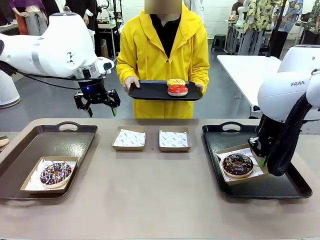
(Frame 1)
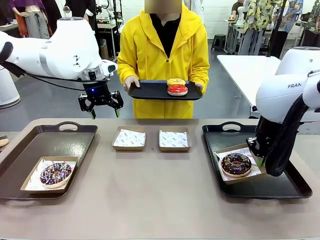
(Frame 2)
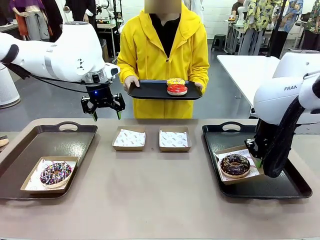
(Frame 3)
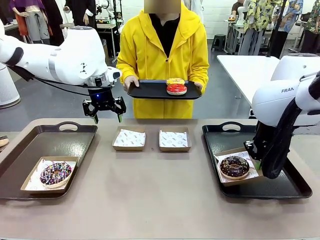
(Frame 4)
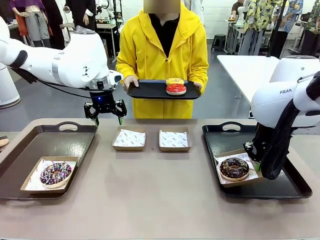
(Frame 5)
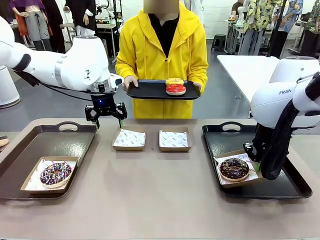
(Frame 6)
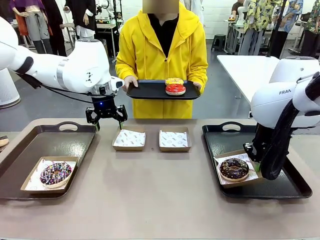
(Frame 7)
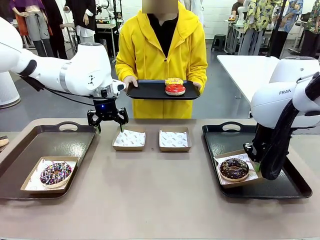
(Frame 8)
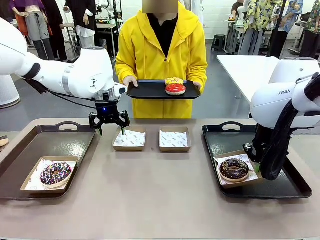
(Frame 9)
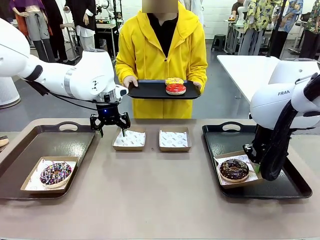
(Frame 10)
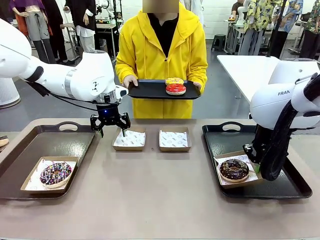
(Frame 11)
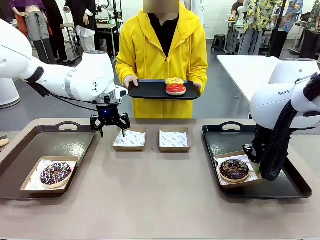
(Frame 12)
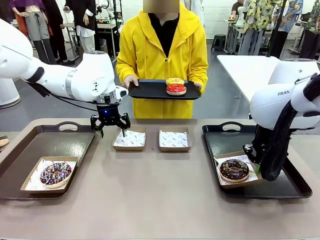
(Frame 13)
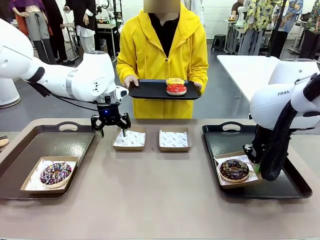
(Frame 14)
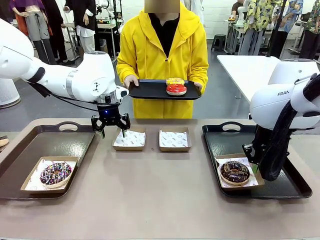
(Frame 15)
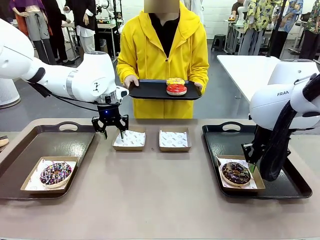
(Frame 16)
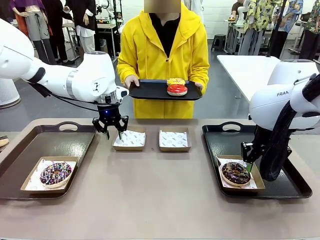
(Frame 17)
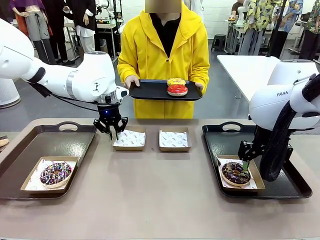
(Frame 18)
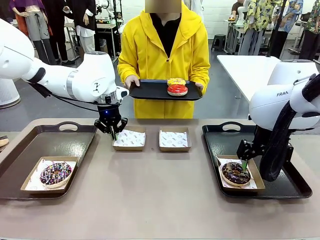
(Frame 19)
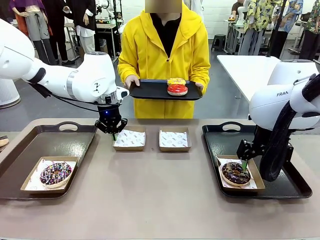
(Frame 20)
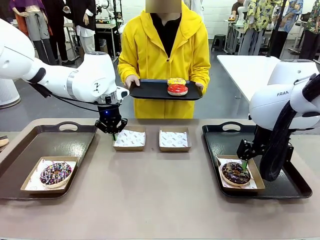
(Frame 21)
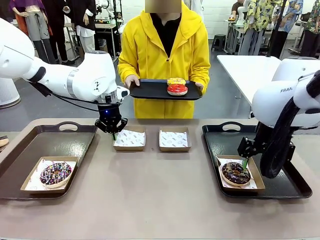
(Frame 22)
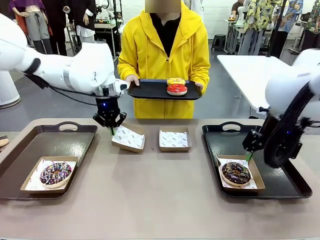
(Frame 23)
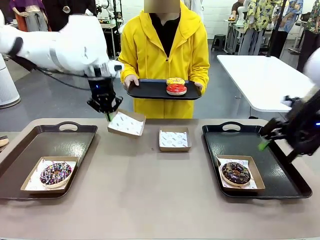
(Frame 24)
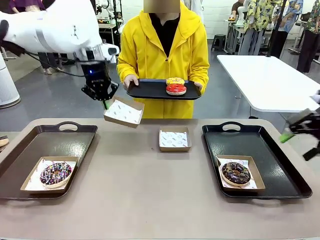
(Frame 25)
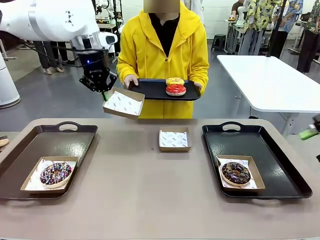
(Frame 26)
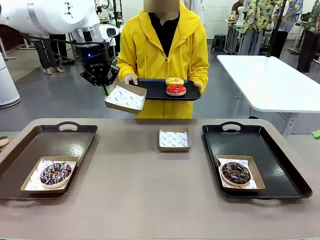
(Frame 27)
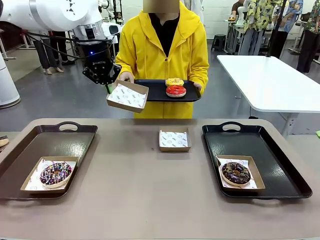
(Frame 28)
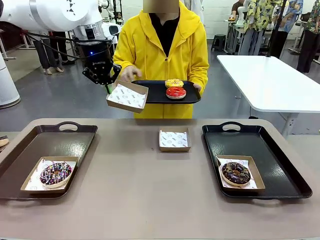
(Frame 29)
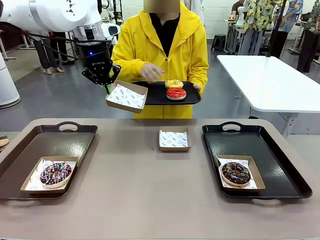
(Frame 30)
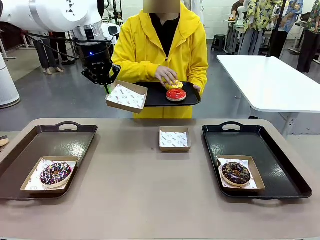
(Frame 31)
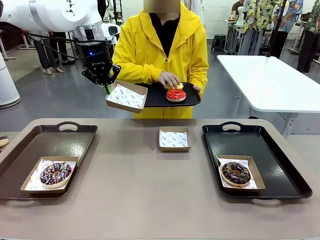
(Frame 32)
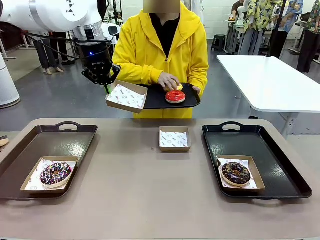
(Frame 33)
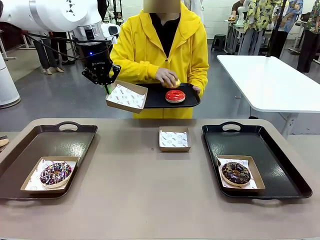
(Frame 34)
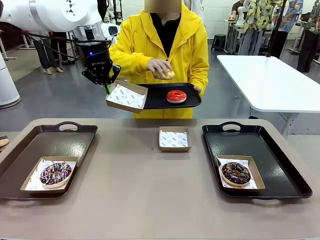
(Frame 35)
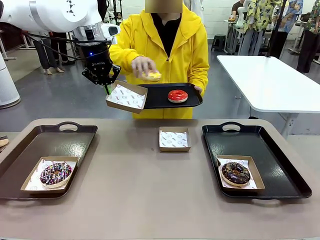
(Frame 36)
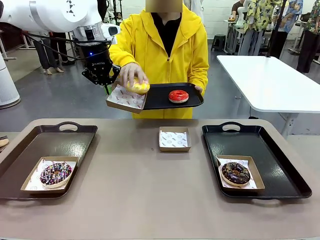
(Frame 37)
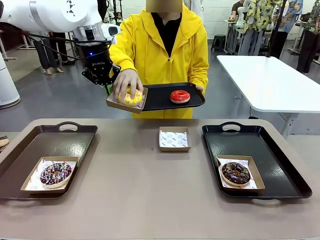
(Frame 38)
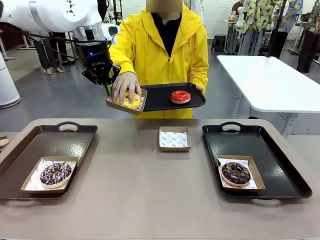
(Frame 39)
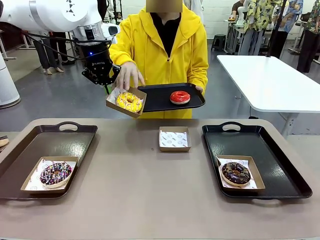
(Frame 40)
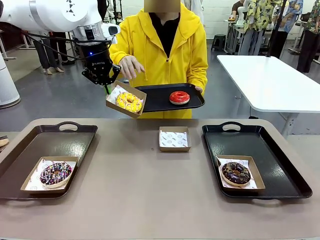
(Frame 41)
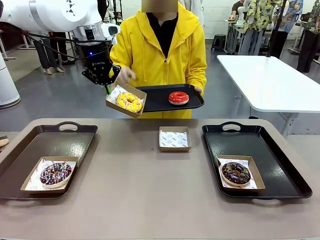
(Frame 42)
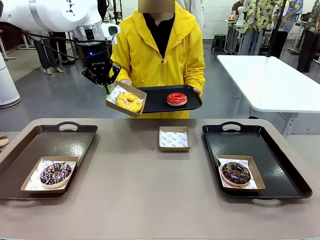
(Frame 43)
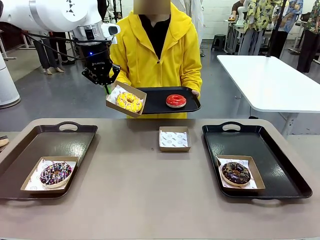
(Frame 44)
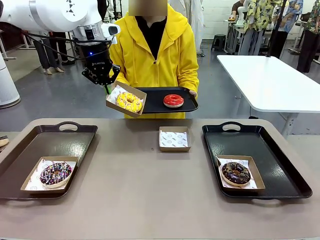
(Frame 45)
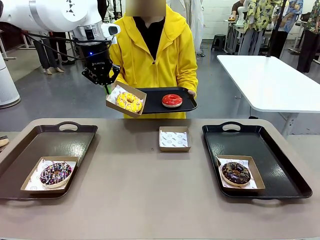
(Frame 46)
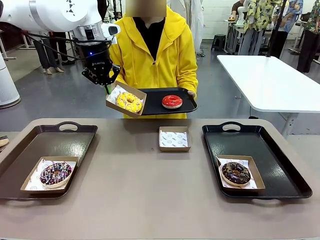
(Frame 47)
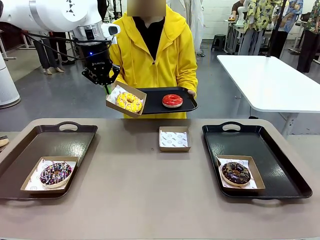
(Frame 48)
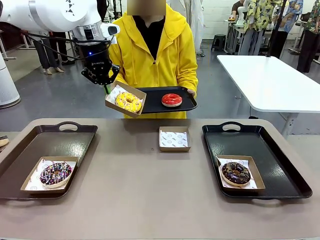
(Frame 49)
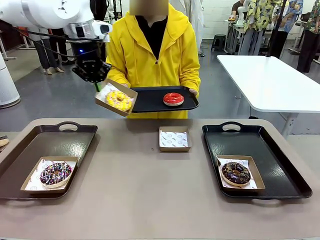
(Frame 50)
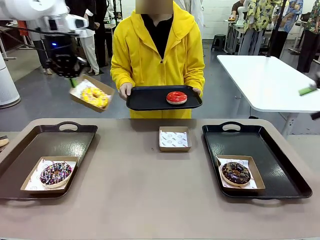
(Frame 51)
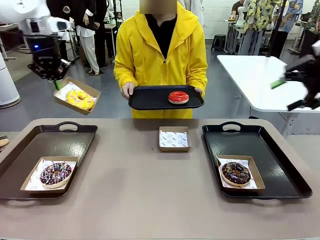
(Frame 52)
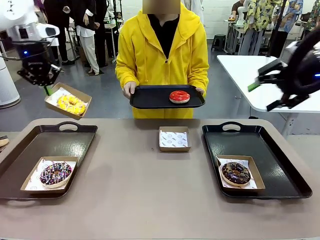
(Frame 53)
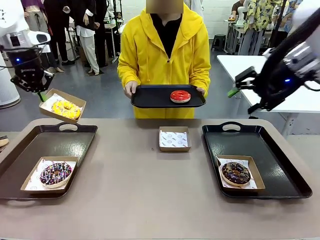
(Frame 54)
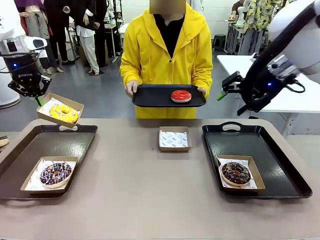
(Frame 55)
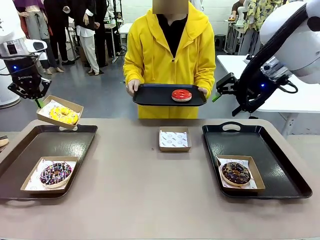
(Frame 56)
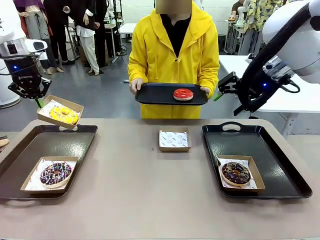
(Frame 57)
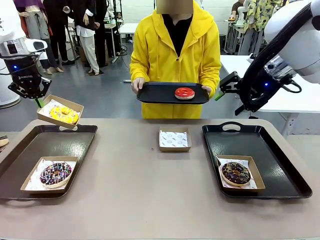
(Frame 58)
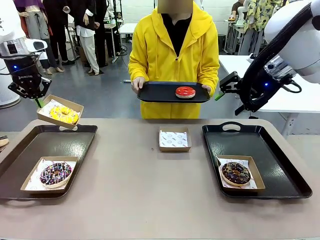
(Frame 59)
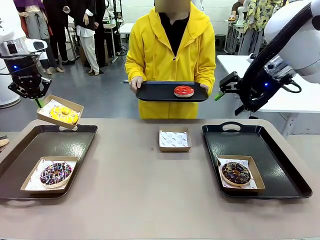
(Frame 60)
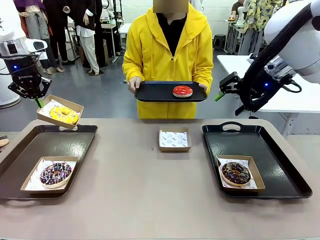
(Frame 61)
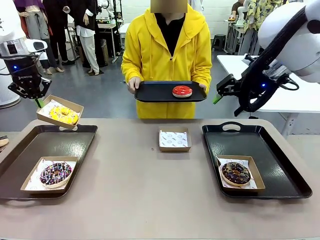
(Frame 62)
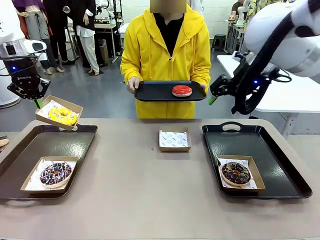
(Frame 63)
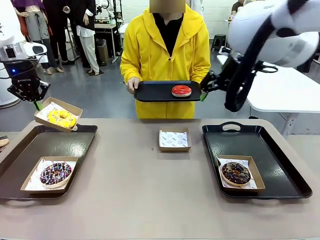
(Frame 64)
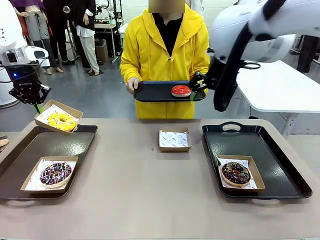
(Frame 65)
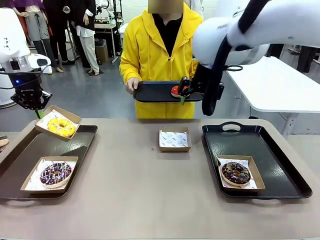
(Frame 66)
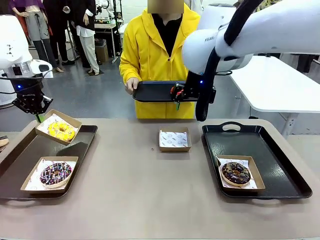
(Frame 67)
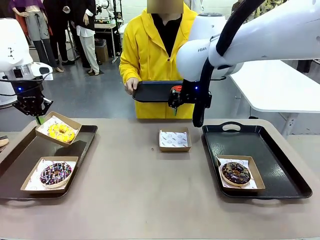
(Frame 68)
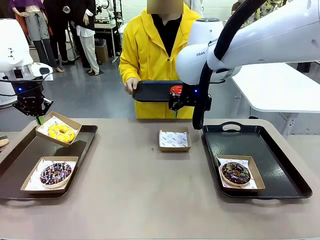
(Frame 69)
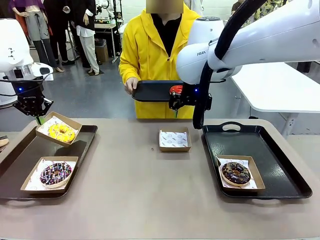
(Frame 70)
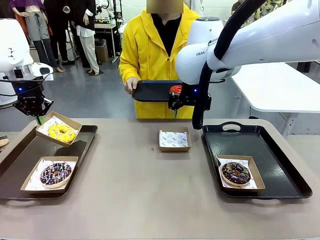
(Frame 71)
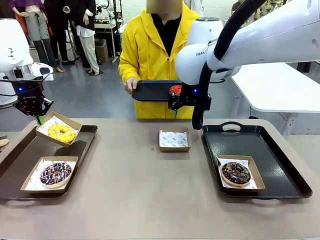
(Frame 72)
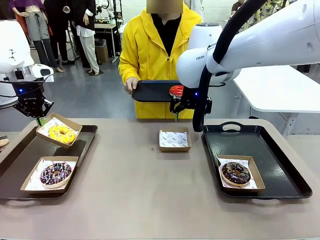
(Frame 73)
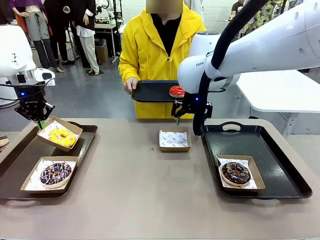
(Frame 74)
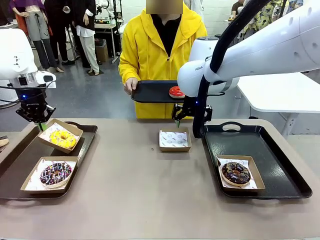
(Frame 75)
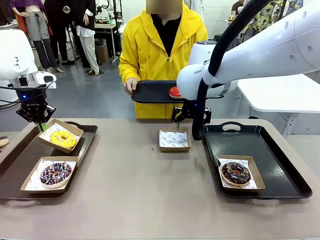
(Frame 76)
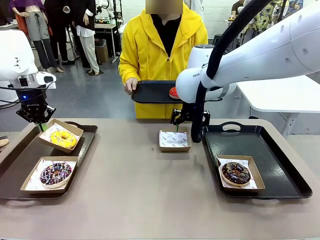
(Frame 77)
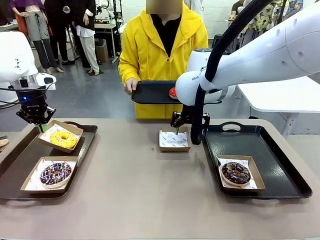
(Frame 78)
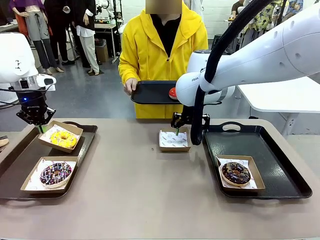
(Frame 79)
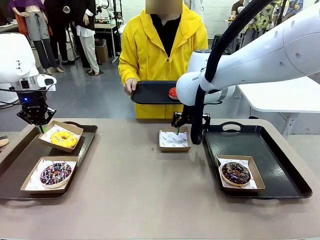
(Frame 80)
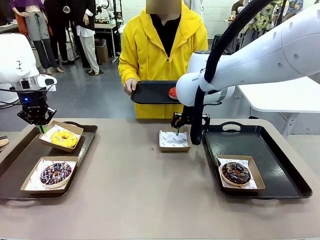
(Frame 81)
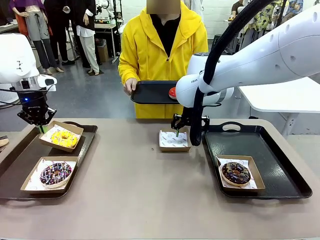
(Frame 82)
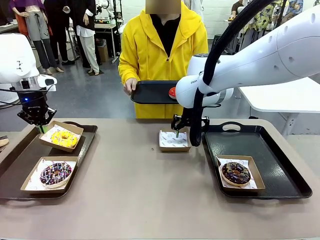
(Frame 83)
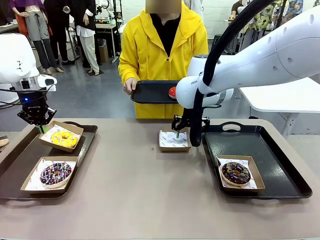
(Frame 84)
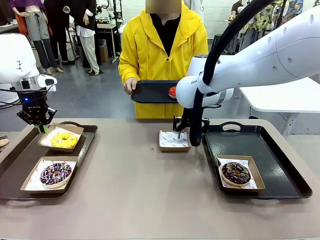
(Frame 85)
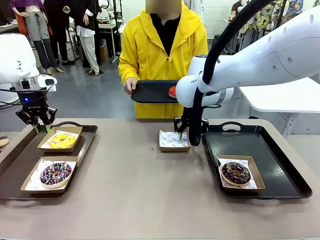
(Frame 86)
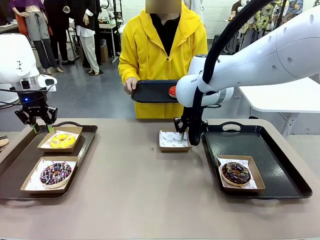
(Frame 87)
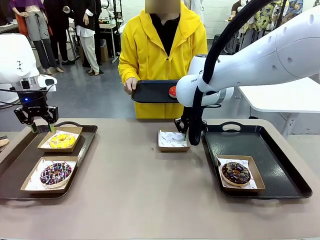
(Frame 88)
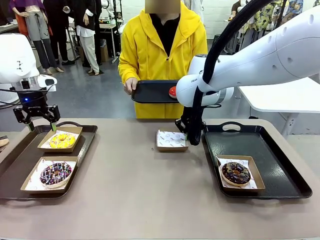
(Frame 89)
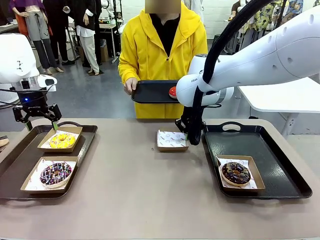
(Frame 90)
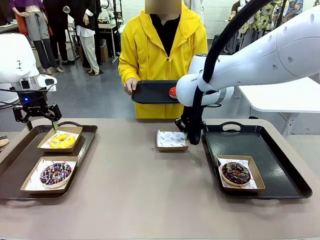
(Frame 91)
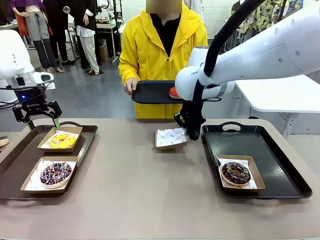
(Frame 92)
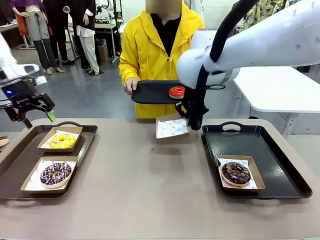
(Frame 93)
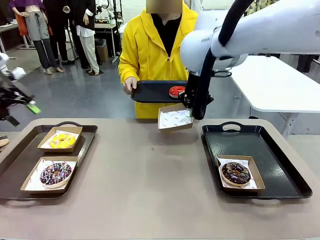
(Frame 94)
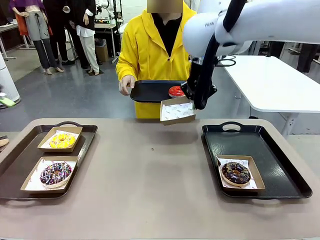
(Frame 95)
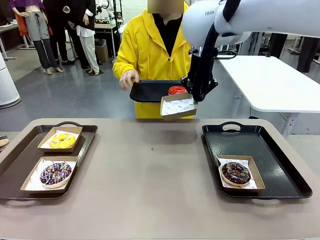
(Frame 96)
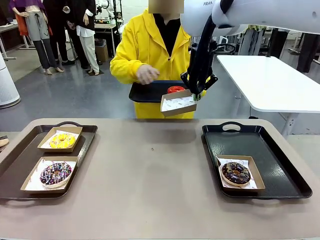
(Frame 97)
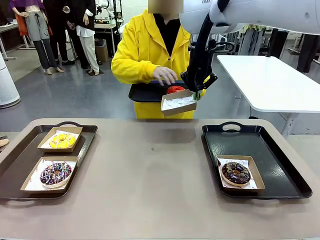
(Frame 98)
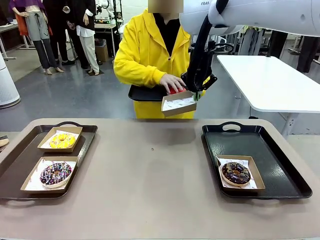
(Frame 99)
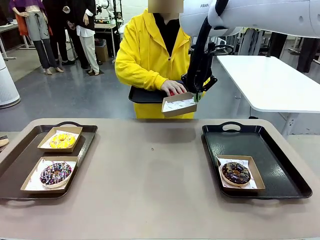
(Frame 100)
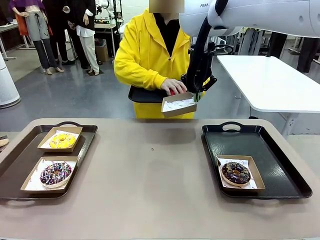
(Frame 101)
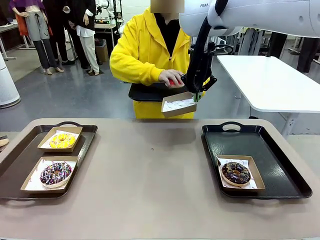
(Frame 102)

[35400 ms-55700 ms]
Task: Individually package the donuts and arrange them on the tray.
Robot: Place the picked Paper togo box on the Handle tray while simultaneously picking up another Paper togo box from the table with the other hand.
